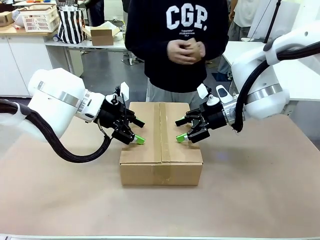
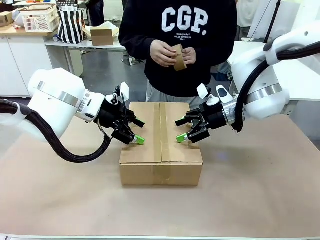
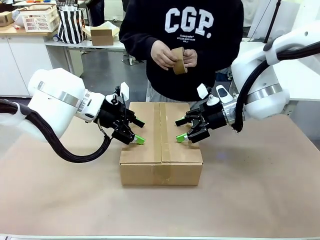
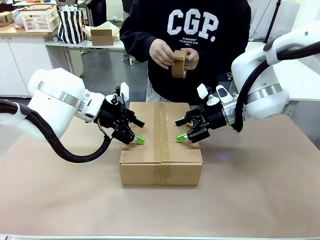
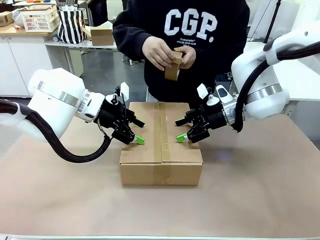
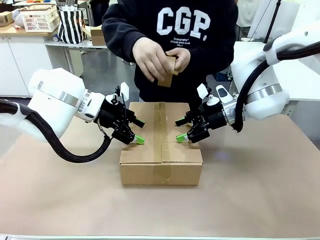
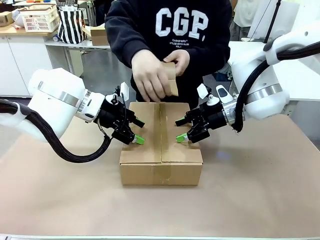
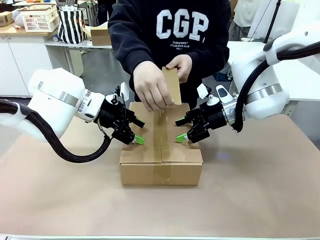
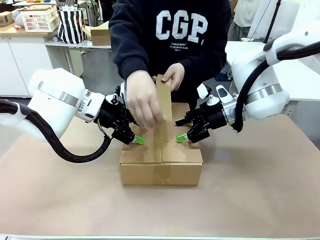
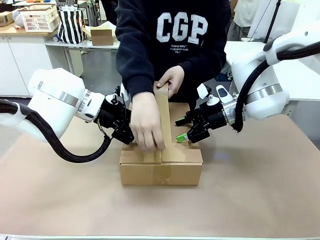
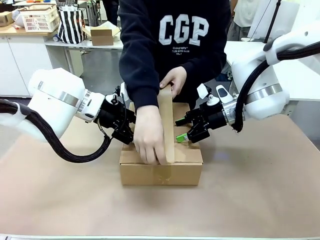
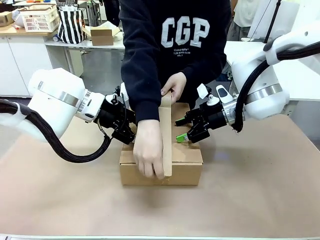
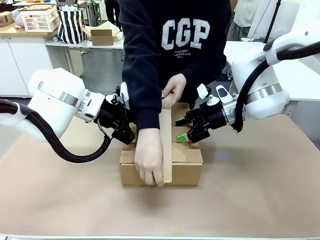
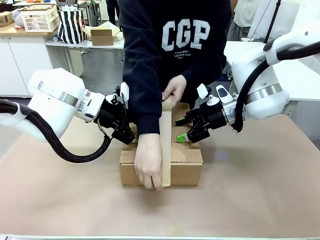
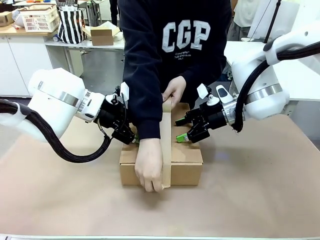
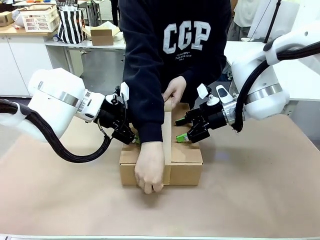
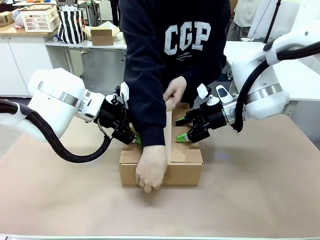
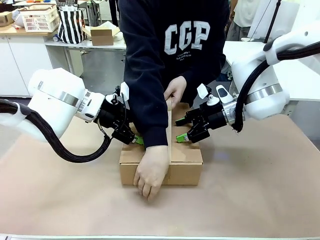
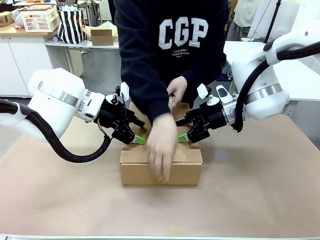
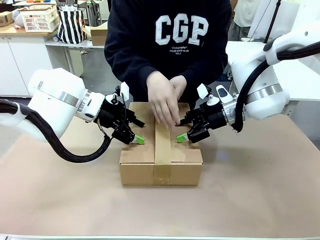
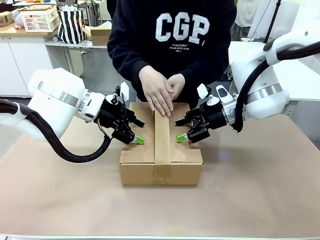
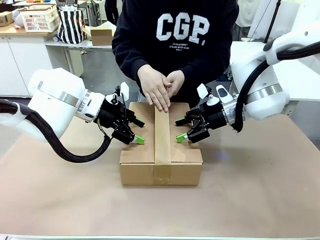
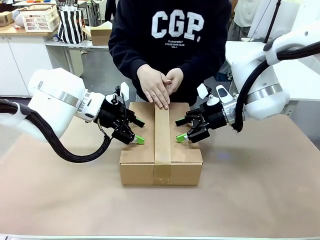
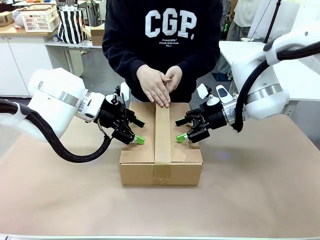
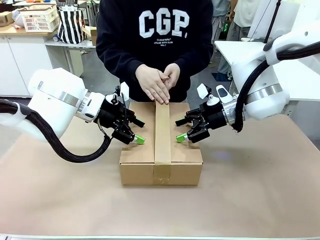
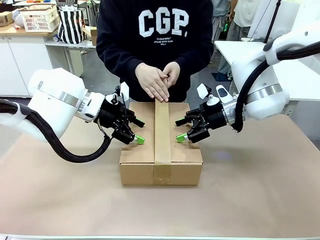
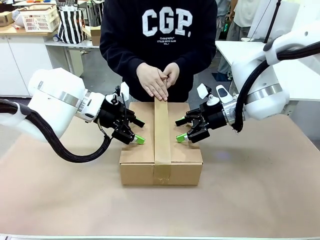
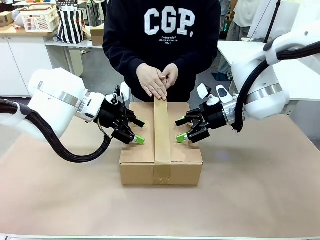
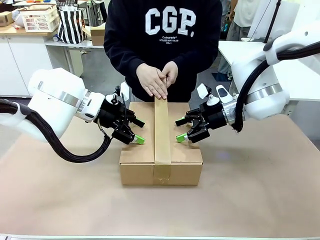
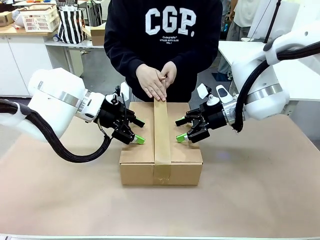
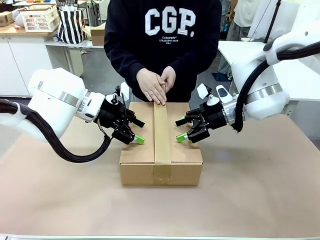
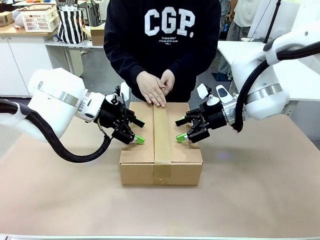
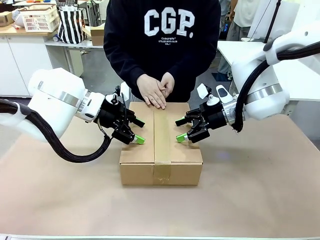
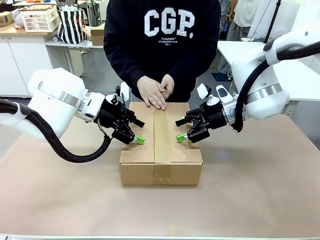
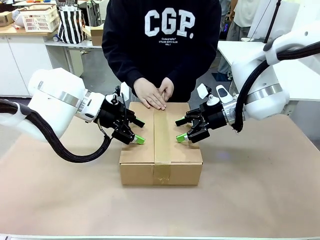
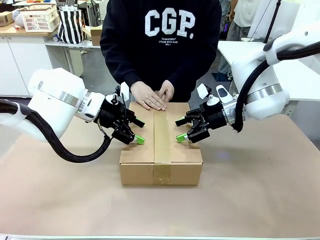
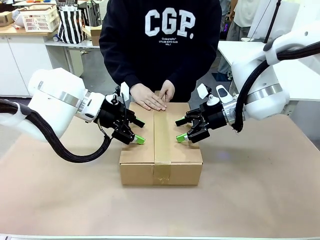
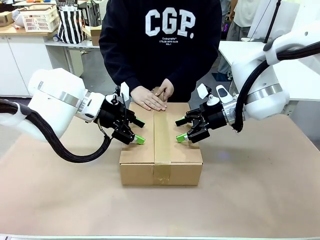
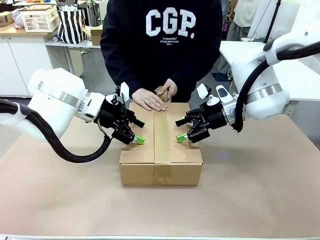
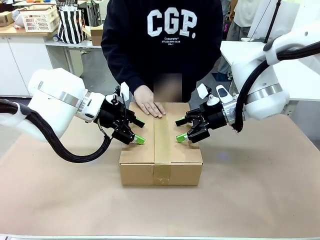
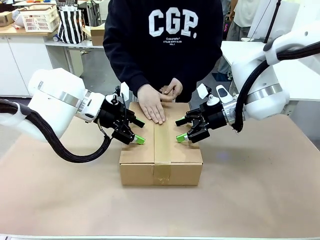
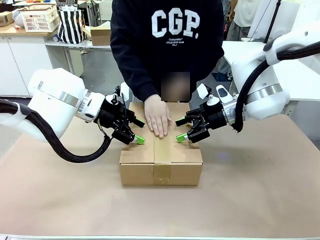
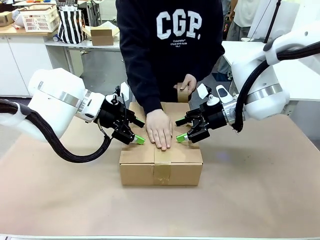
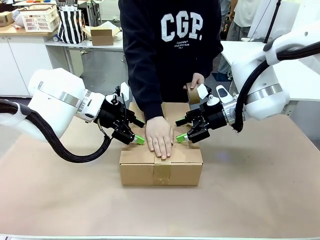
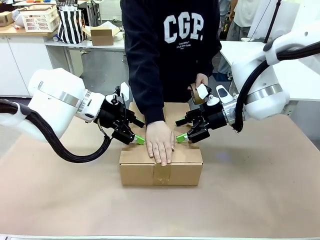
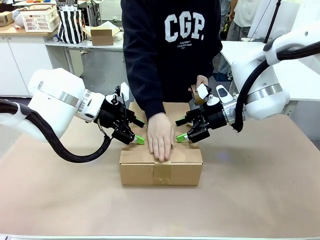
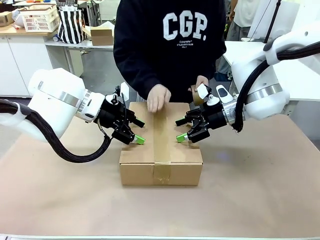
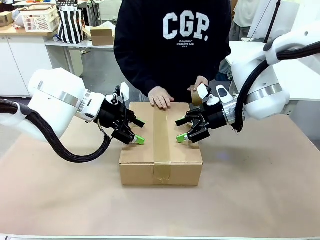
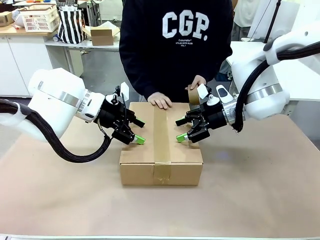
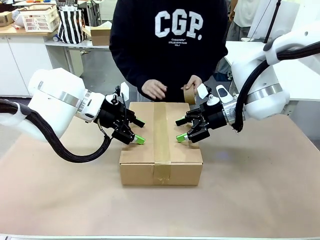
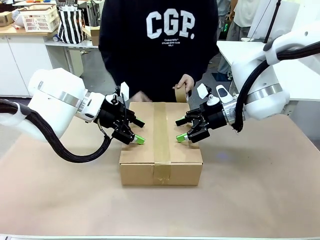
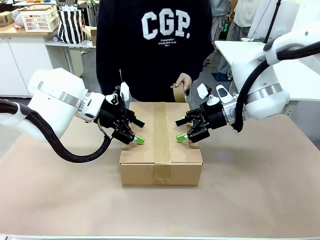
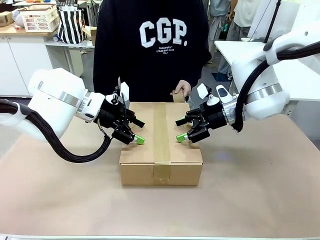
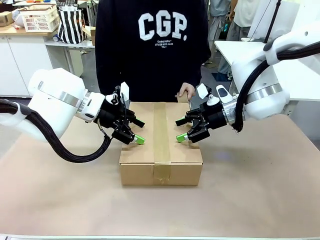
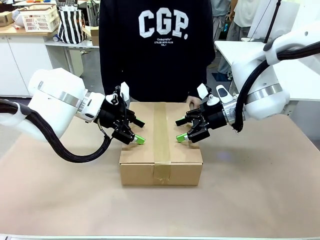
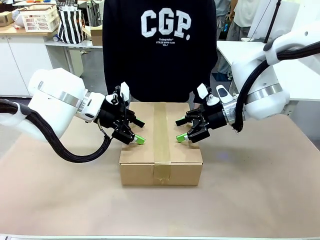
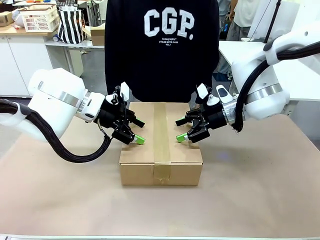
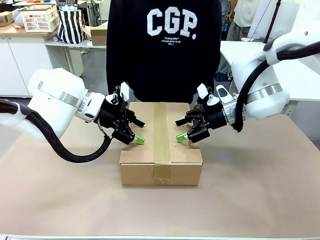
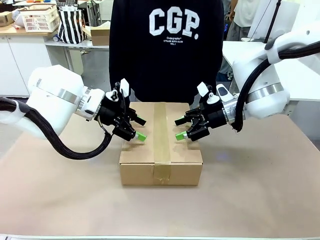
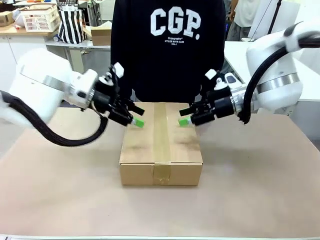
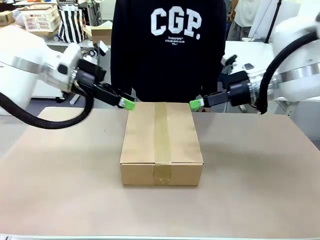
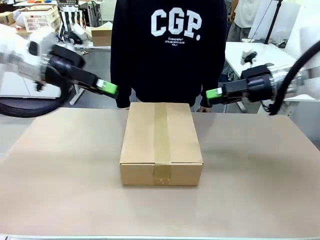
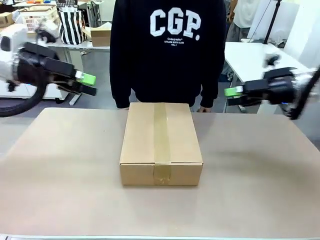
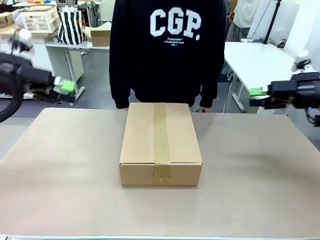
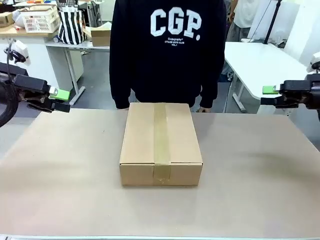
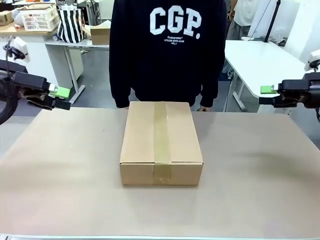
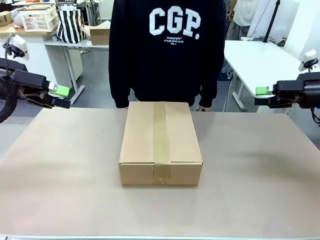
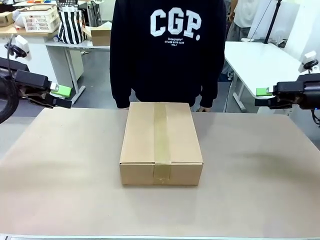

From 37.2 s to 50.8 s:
Task: Pack the gift set into the box.
Robot: Press and hold the closed box until the human finishes sealing it.
Person: The human picks up the paper tape from the human table and packs the box.

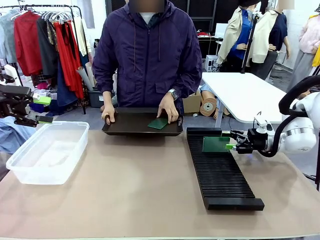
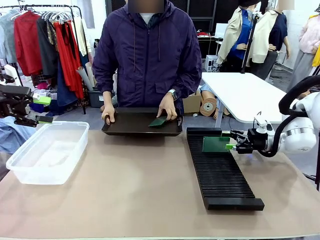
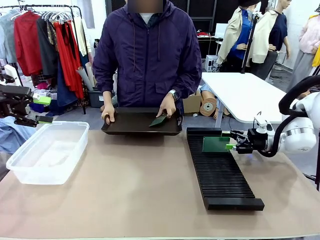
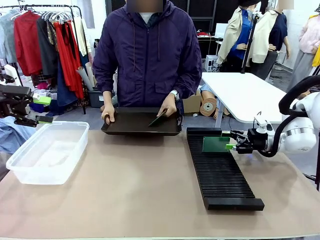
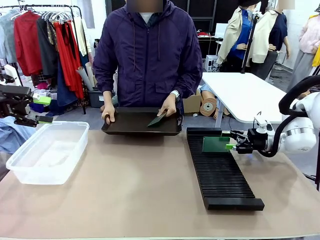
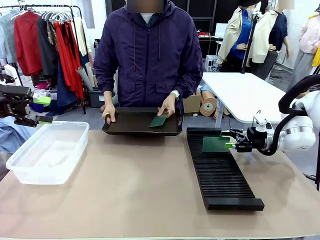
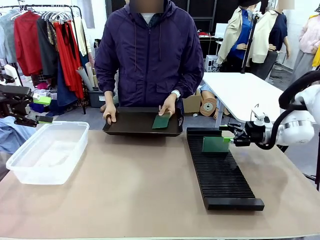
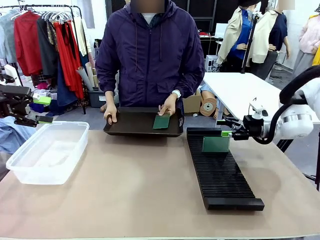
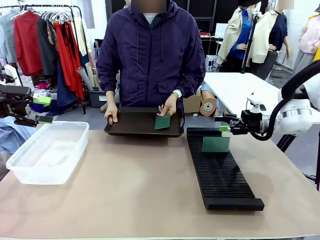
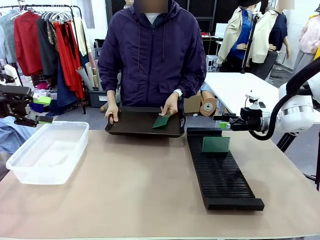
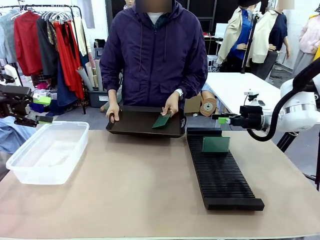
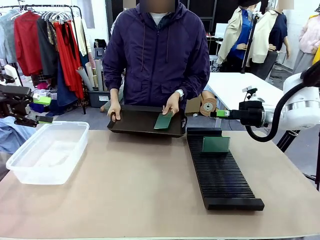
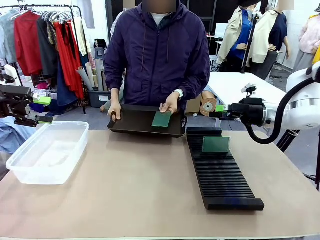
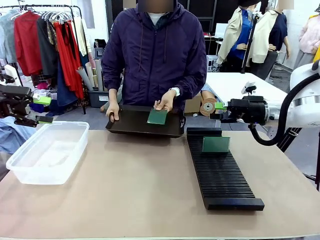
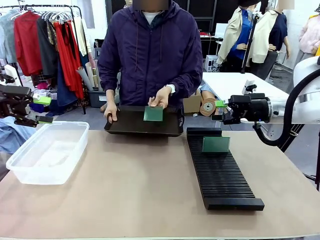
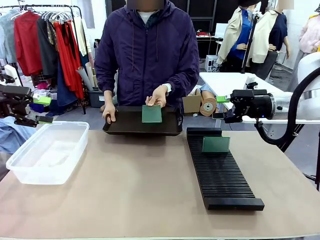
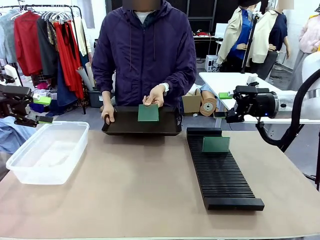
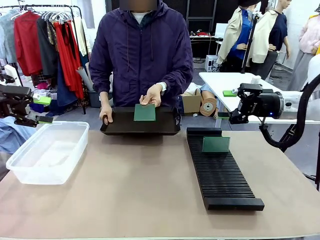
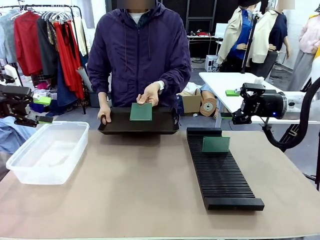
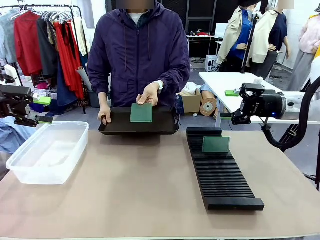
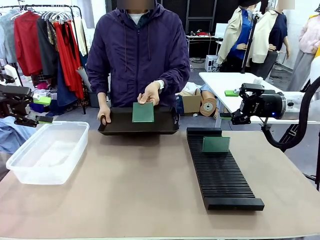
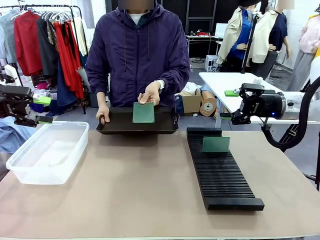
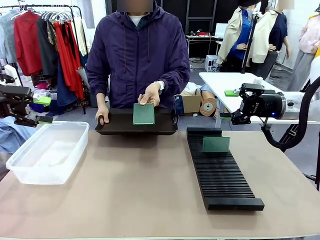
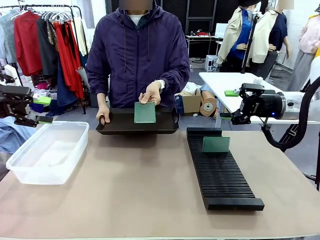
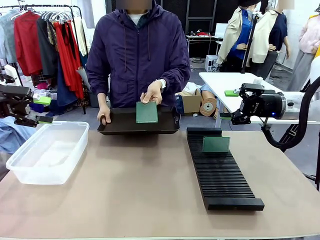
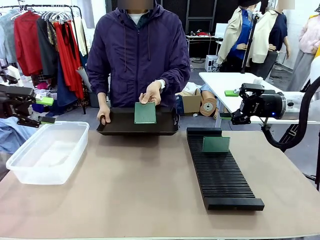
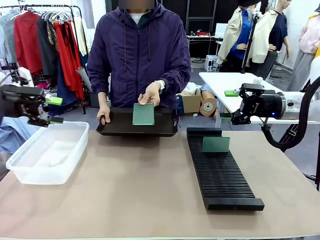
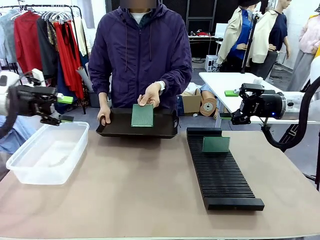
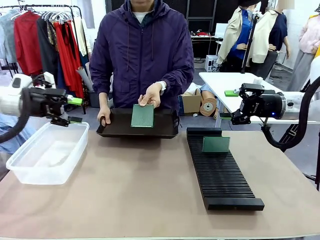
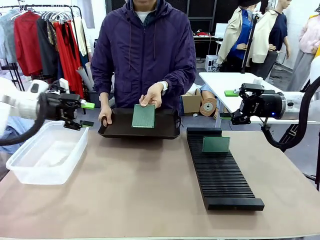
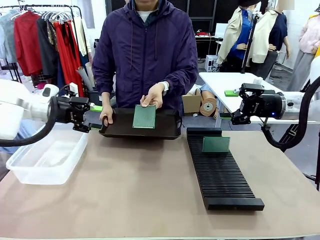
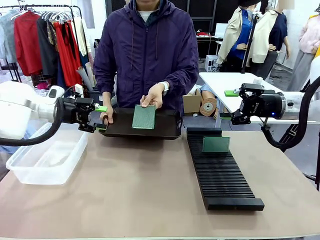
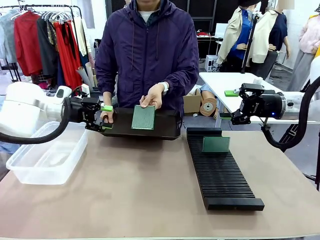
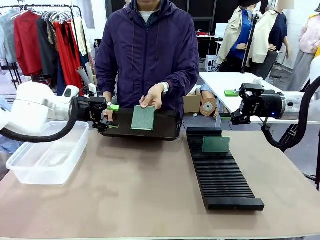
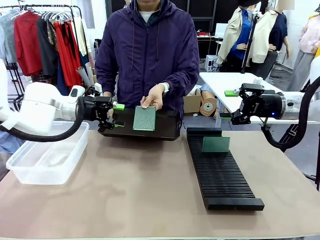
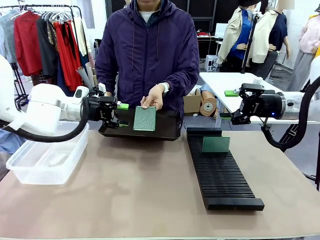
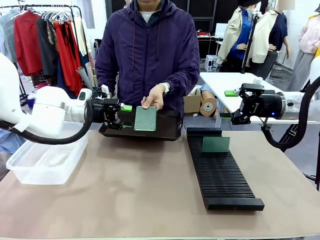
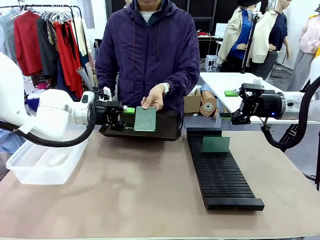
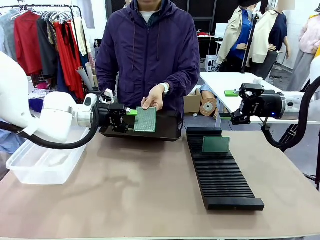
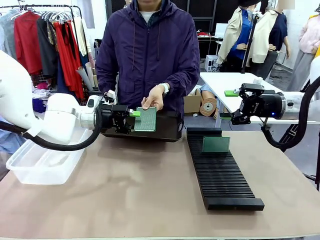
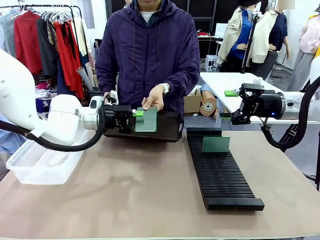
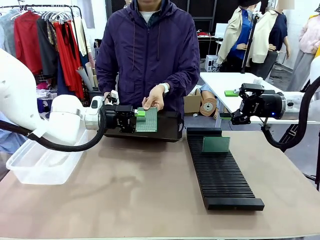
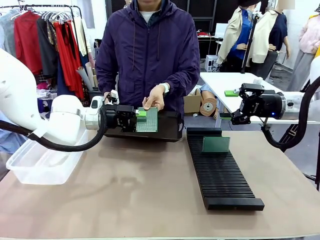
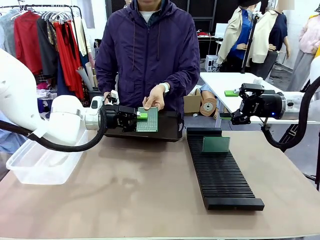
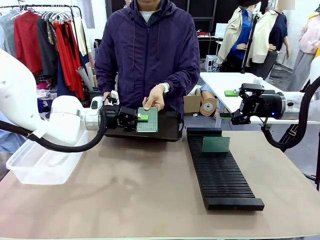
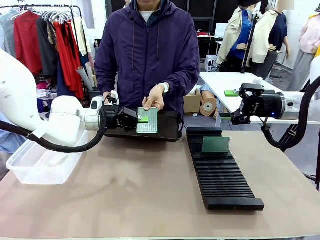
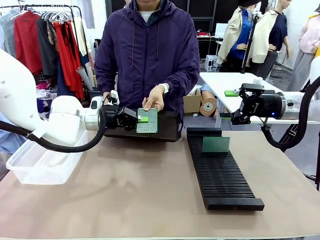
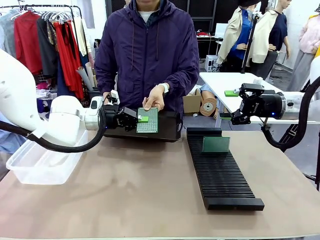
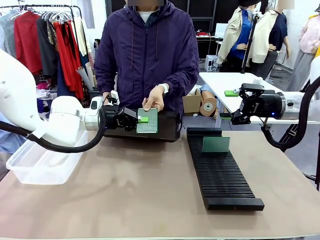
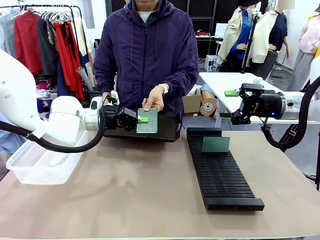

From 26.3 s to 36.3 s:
Task: Sort PCBs into racks and boxes based on the side picked up.
Robot: Pick up the Blank PCB handed by the Human.
